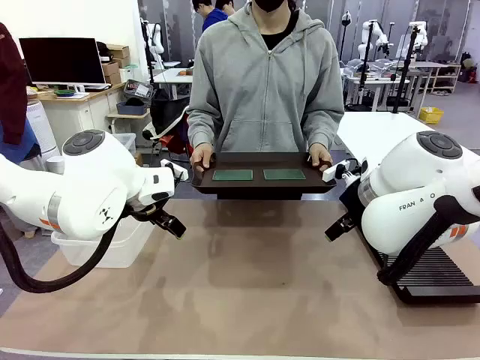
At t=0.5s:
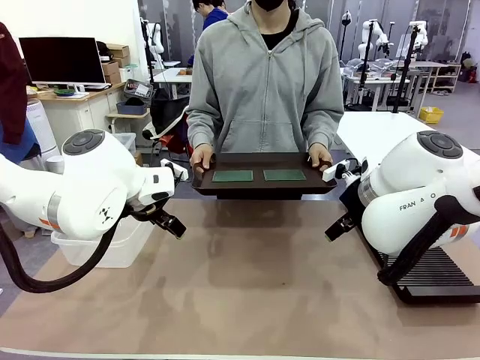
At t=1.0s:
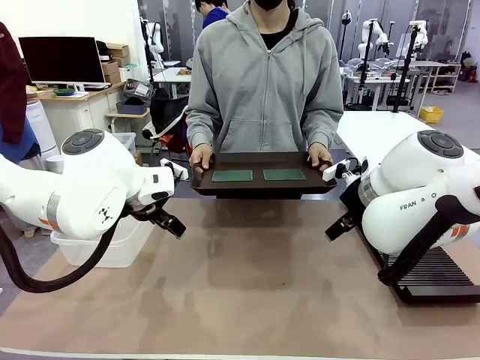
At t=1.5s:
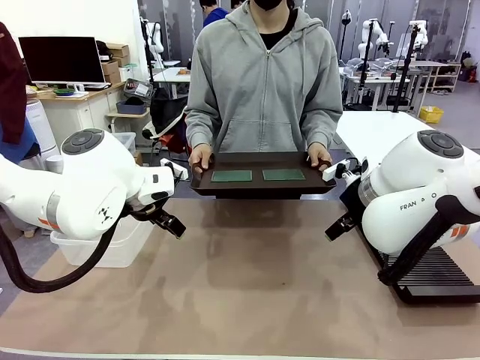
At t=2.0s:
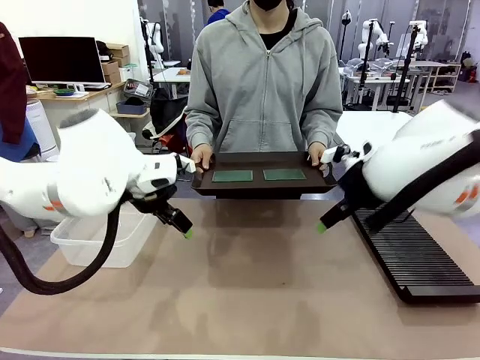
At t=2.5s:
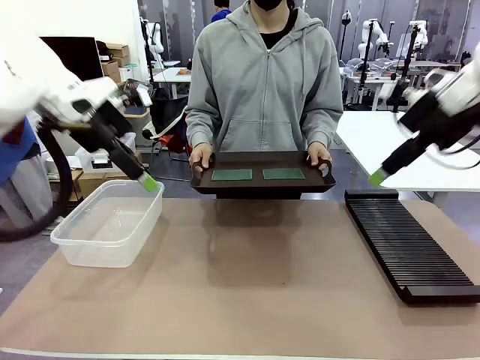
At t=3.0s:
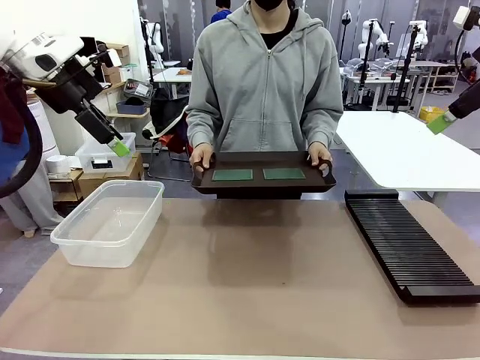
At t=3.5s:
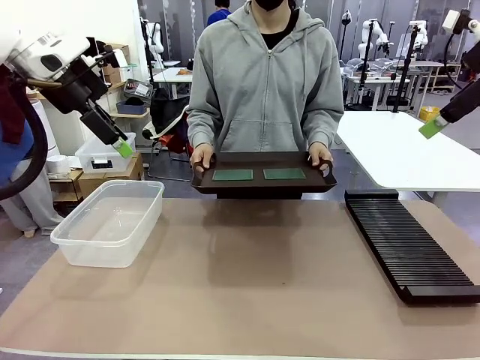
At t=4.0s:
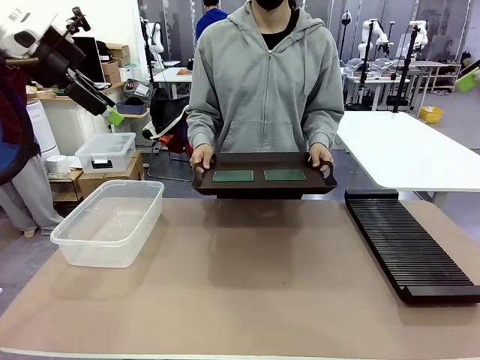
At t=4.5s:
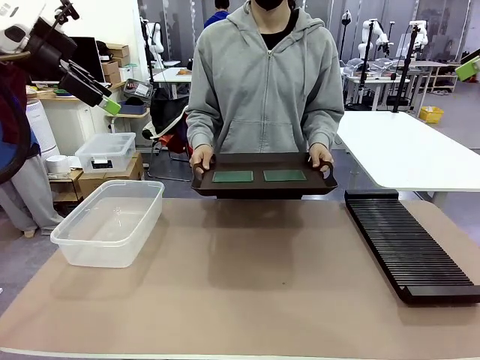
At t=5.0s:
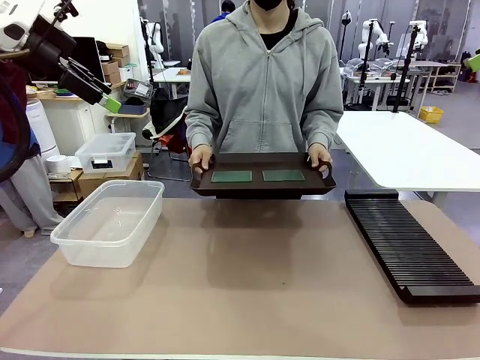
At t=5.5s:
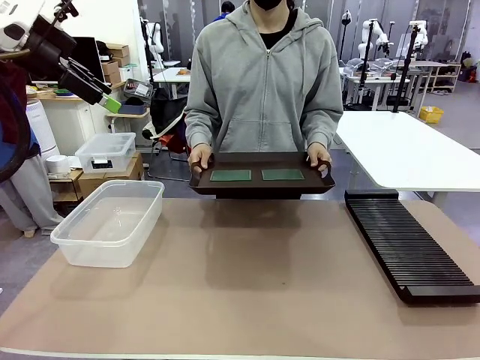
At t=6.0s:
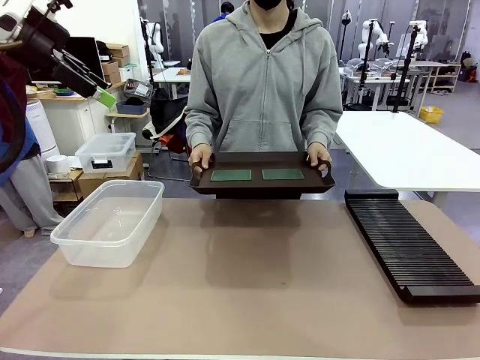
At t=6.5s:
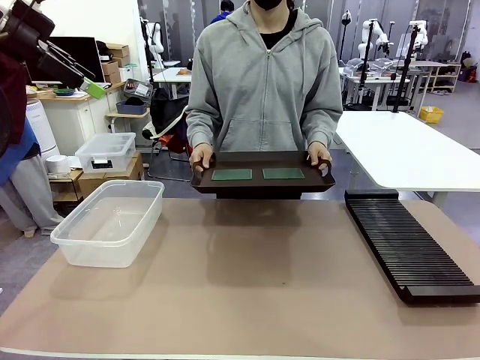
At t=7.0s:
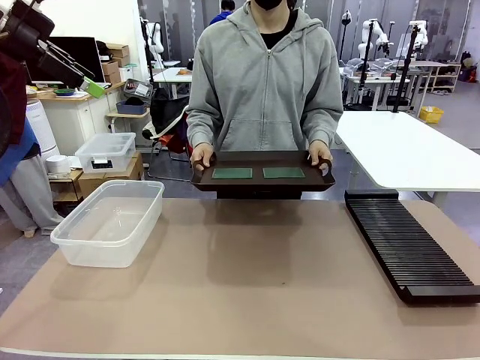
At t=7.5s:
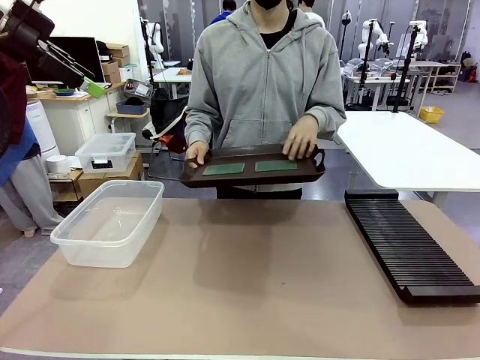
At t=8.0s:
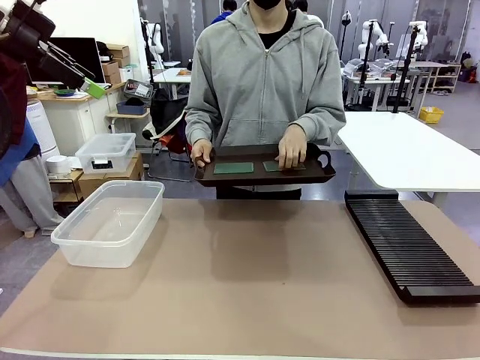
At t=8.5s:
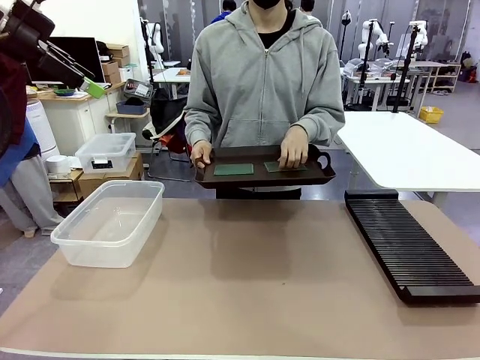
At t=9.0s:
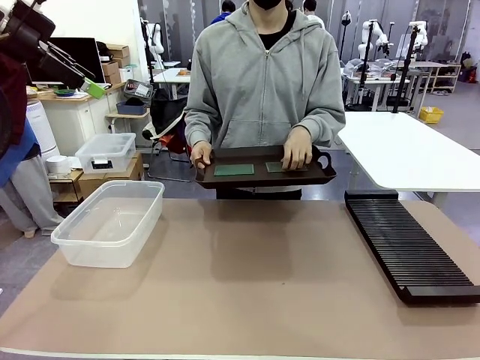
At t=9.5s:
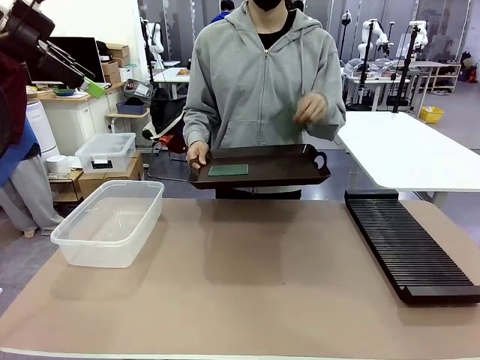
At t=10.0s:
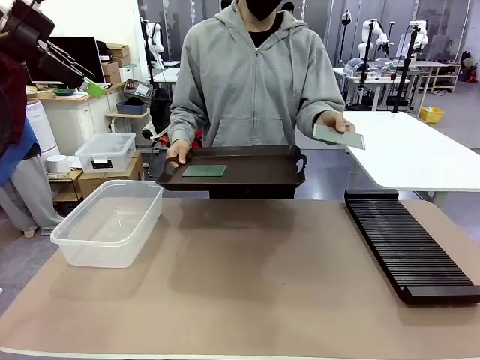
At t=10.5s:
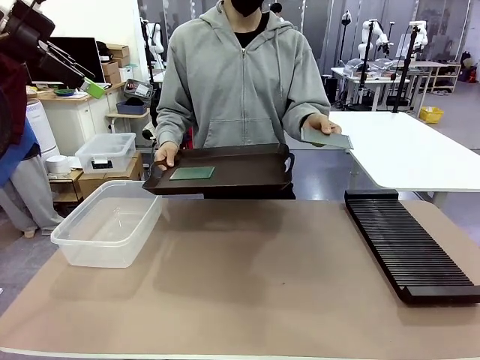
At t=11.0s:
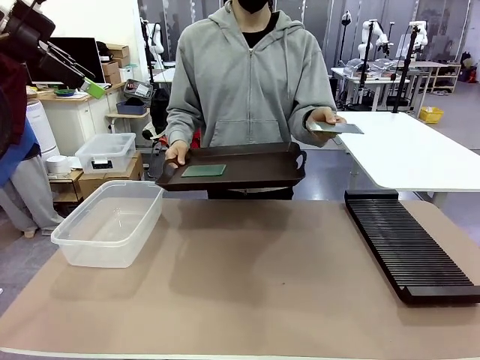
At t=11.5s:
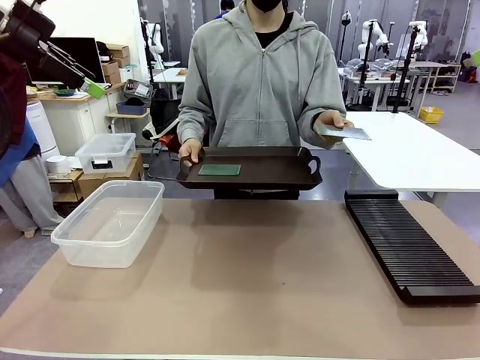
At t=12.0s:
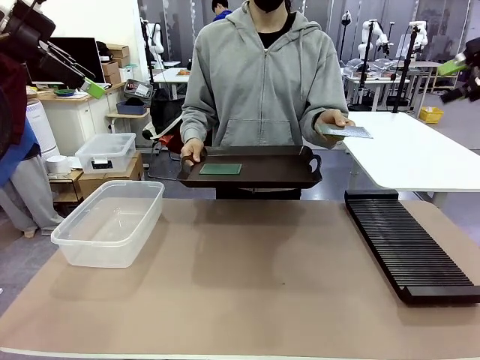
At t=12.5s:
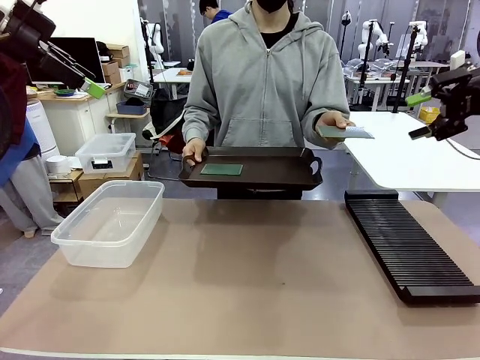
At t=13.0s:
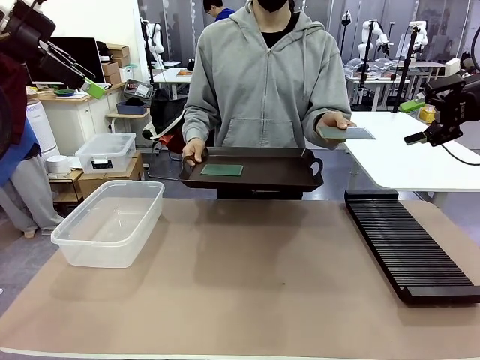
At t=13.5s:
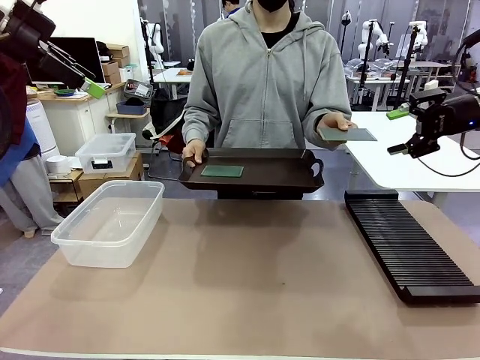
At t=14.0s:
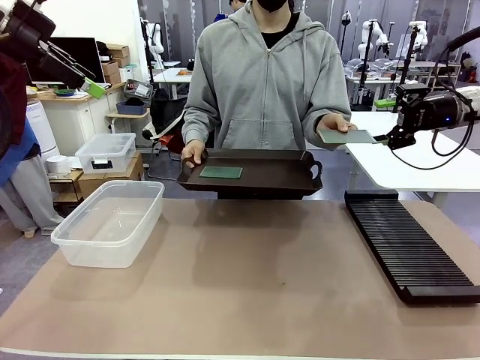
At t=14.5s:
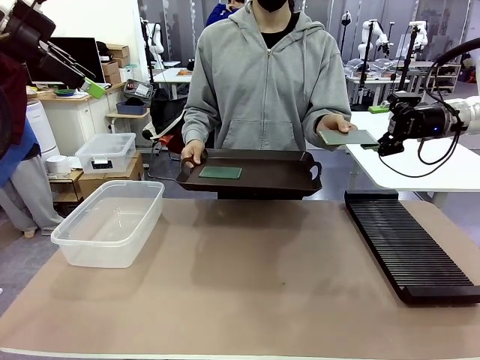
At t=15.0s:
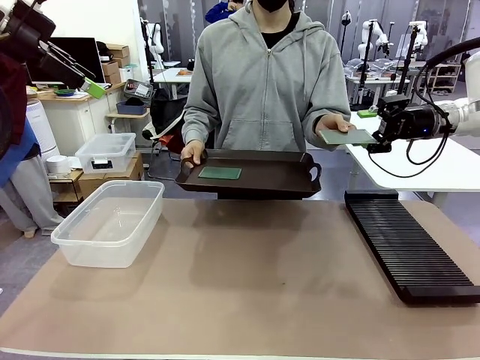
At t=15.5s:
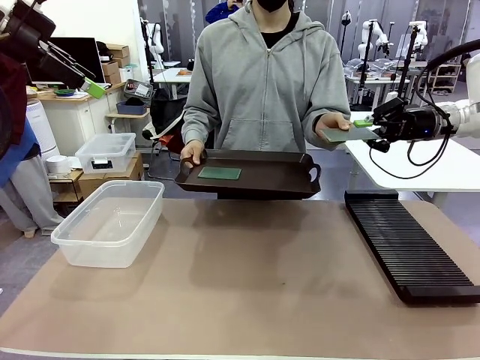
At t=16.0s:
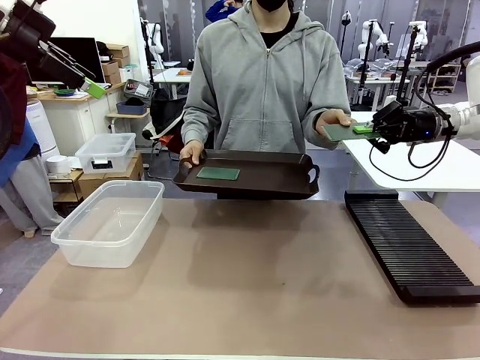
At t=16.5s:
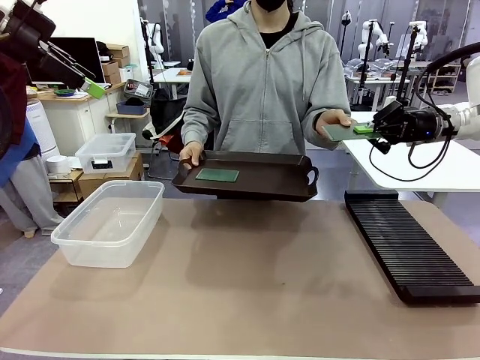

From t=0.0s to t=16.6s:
Task: Sort PCBs into racks and boxes based on the side picked up.
Robot: Pick up the Blank PCB handed by the Human.
Person: Pick one PCB from the tray and present it to the robot. Release the PCB being held.

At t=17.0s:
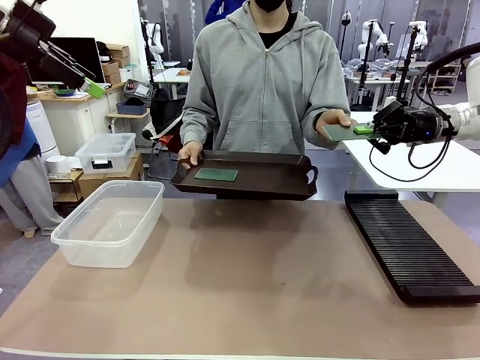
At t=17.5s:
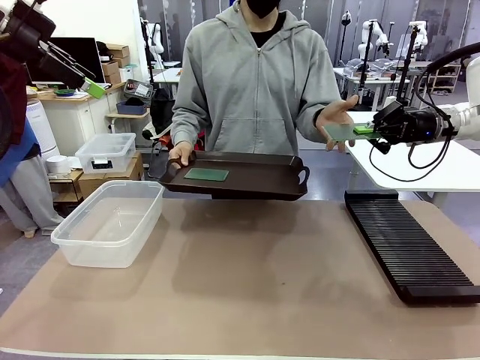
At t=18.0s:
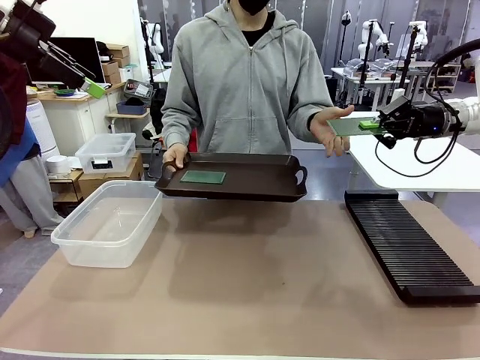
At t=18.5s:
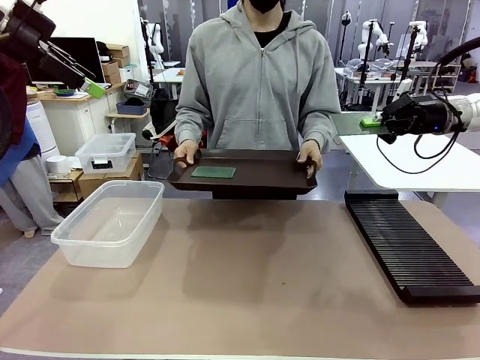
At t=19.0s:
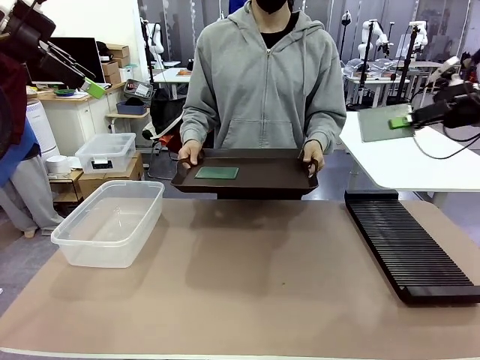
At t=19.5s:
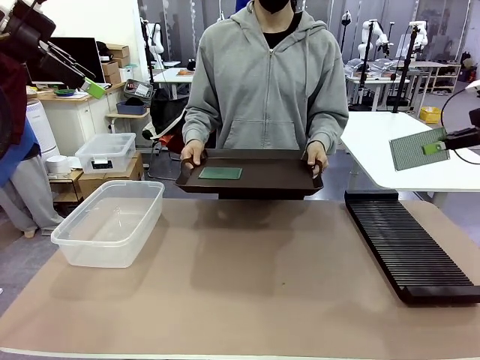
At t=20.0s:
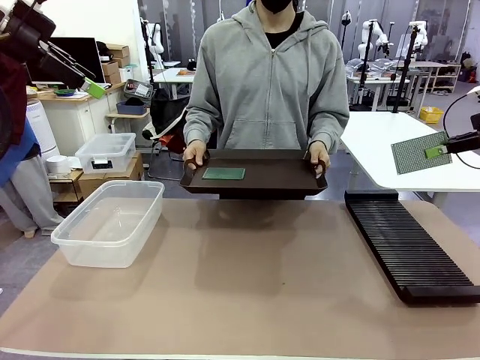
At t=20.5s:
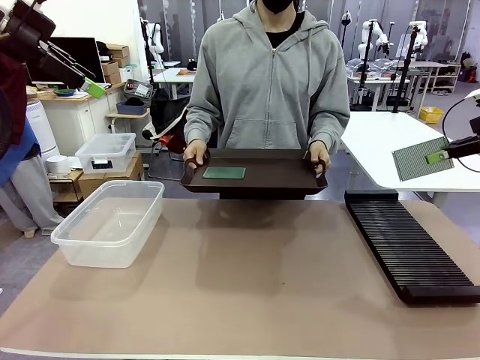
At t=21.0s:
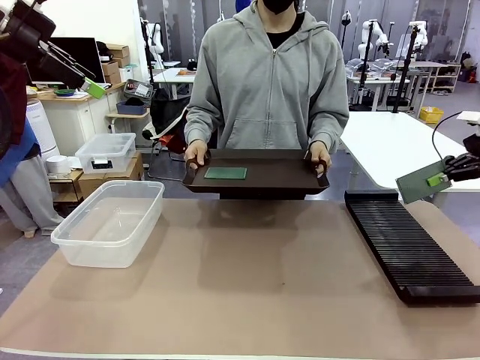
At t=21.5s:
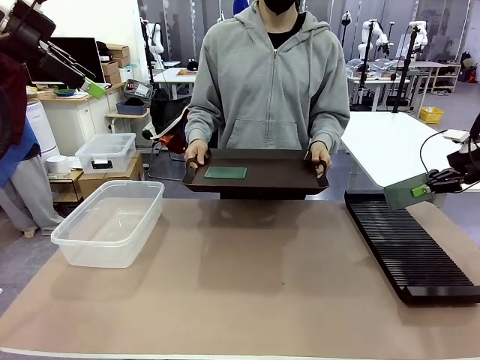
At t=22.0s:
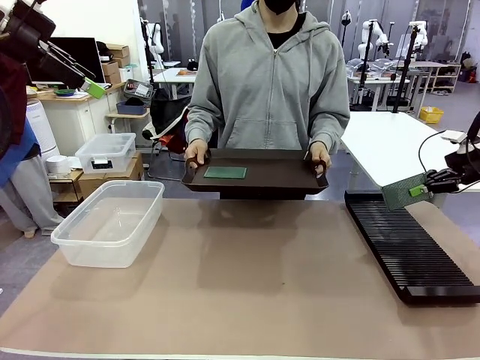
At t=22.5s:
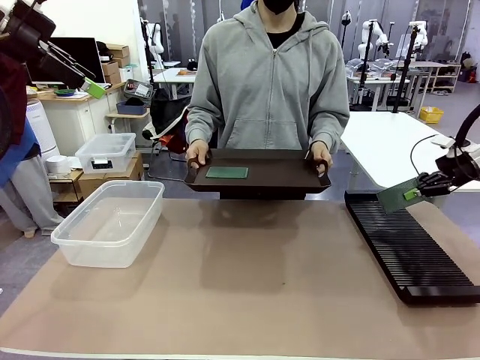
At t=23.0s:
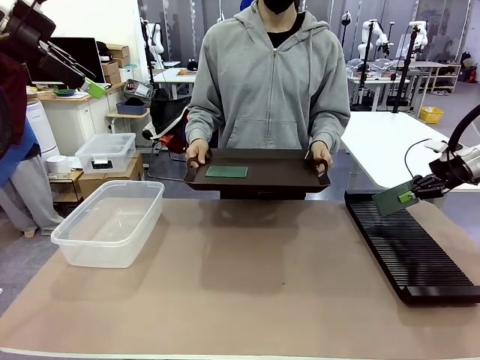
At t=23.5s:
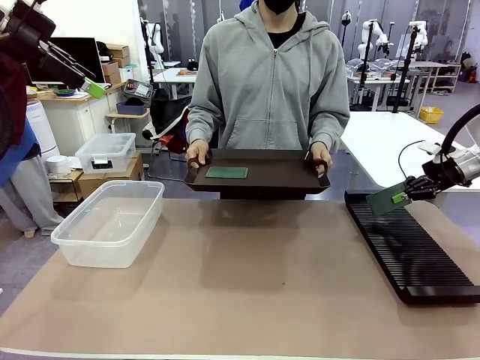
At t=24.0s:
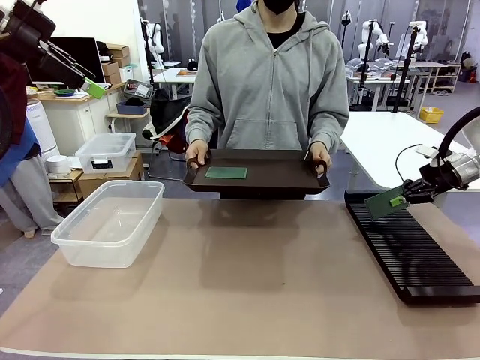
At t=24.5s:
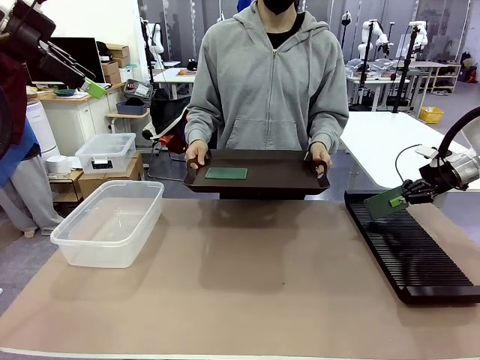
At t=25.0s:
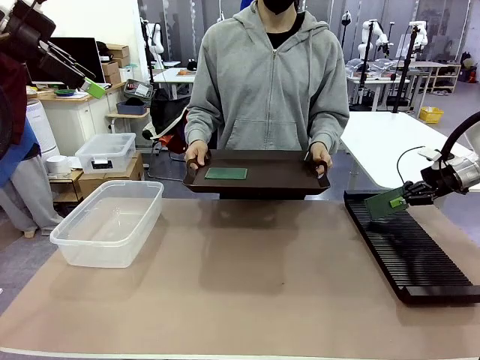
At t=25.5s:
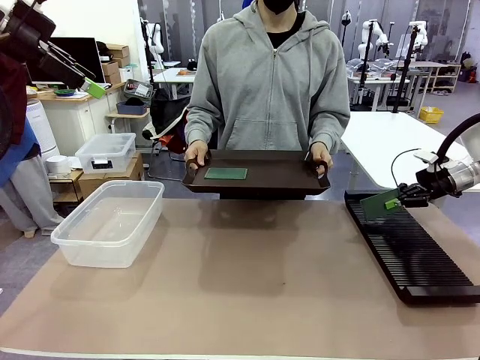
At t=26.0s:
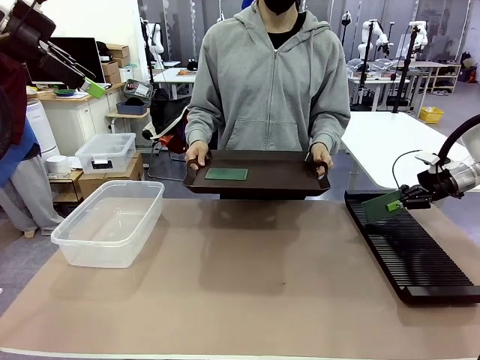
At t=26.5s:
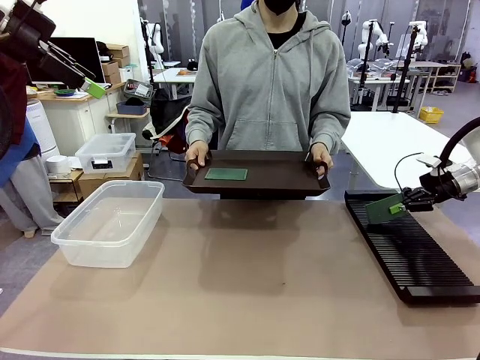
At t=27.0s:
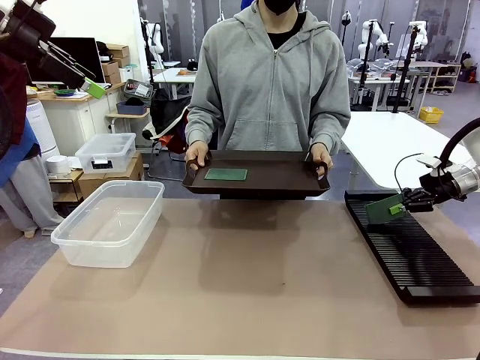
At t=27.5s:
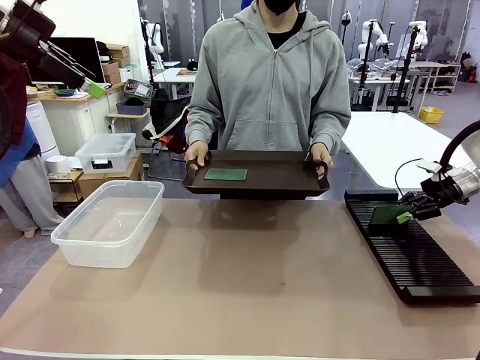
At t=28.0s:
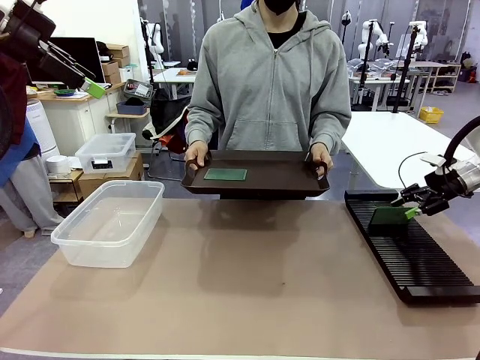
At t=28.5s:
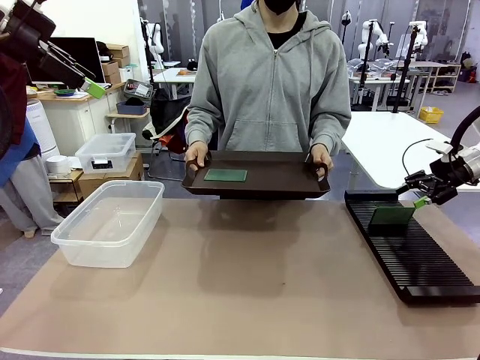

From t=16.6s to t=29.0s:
Robot: If the short side of the Blank PCB is picked up, insert it into the PCB Rack ; if the long side is picked up, place it in the Organizing box.
Person: Pick one PCB from the tray and present it to the robot.
